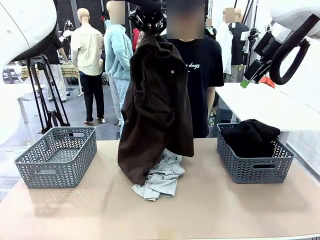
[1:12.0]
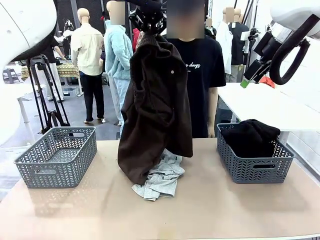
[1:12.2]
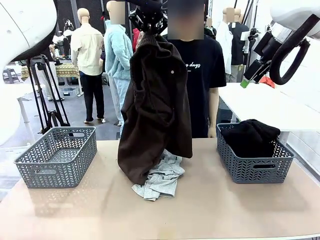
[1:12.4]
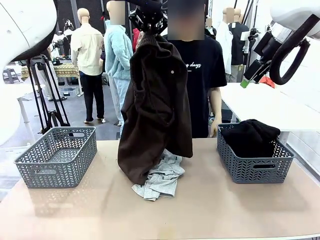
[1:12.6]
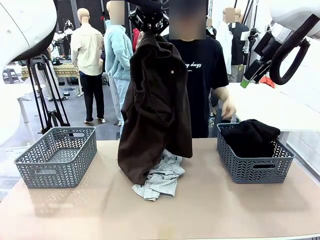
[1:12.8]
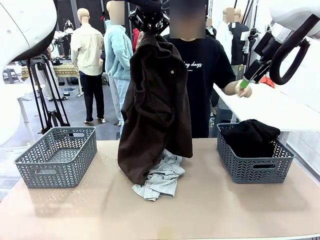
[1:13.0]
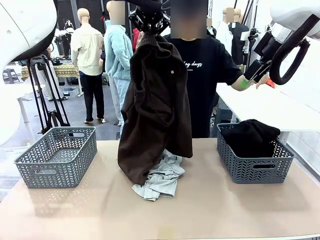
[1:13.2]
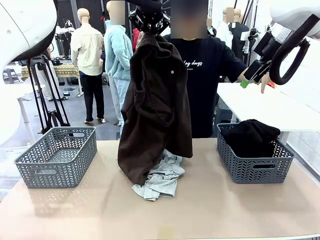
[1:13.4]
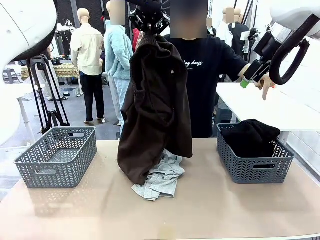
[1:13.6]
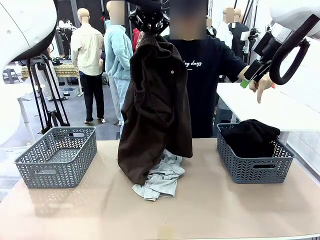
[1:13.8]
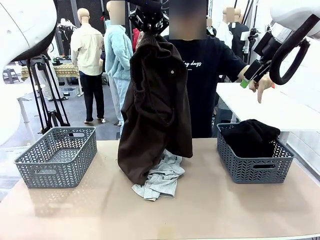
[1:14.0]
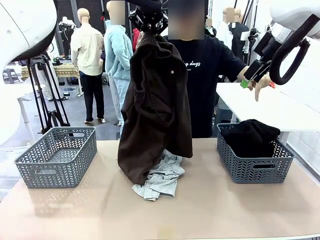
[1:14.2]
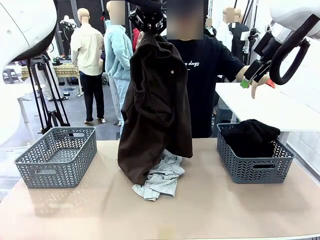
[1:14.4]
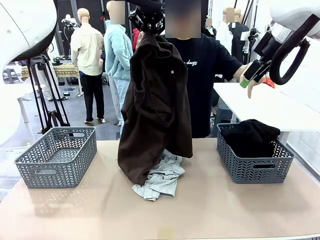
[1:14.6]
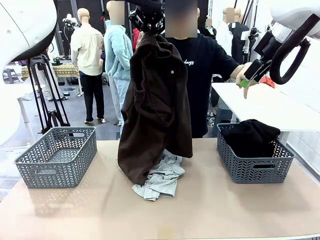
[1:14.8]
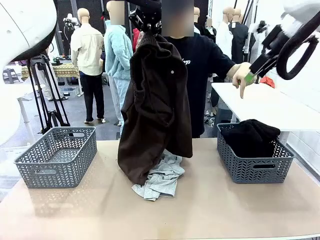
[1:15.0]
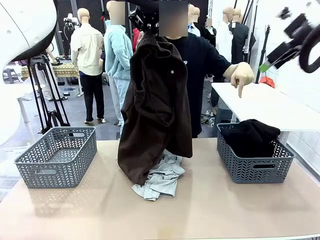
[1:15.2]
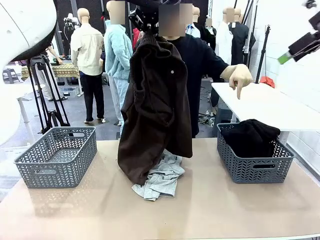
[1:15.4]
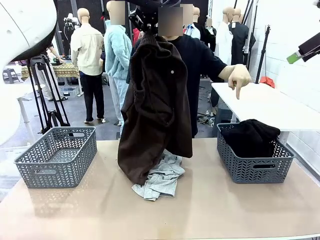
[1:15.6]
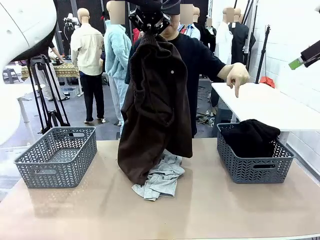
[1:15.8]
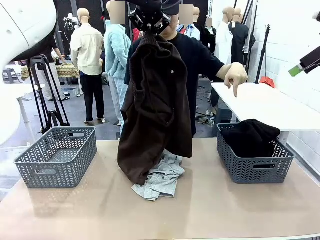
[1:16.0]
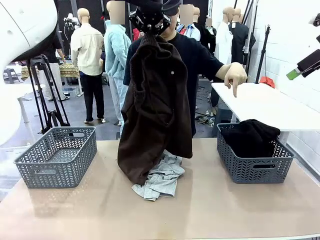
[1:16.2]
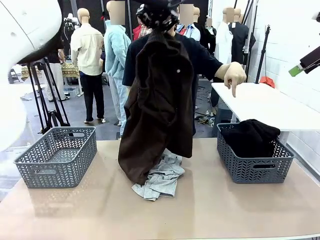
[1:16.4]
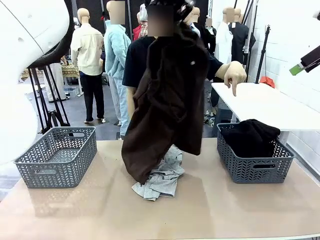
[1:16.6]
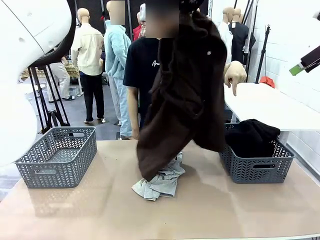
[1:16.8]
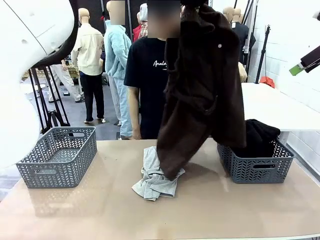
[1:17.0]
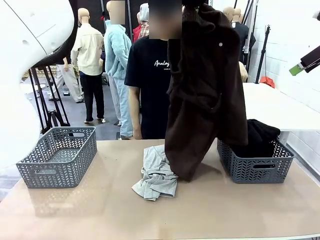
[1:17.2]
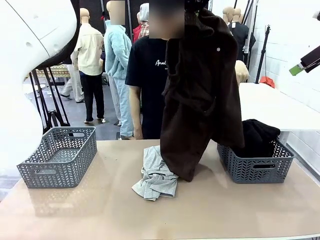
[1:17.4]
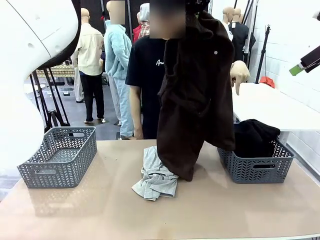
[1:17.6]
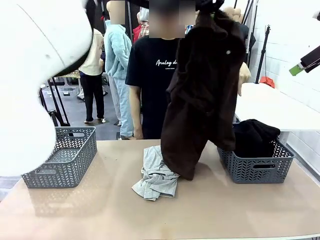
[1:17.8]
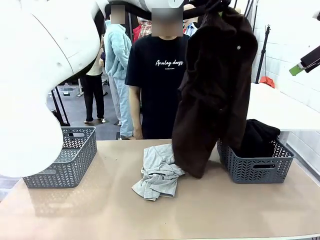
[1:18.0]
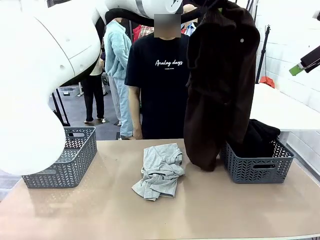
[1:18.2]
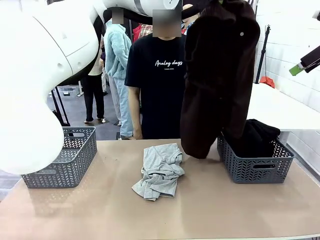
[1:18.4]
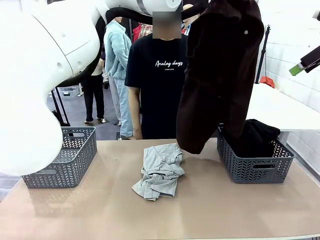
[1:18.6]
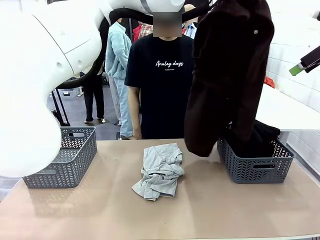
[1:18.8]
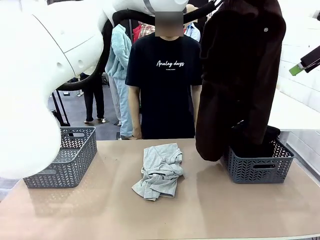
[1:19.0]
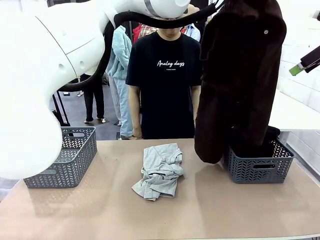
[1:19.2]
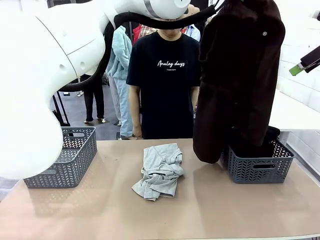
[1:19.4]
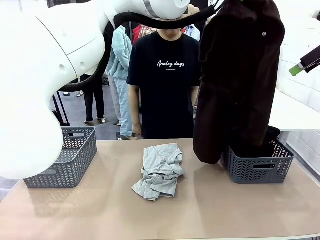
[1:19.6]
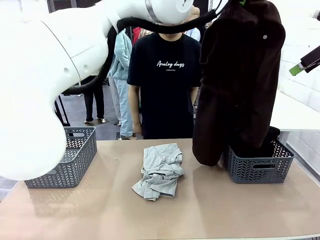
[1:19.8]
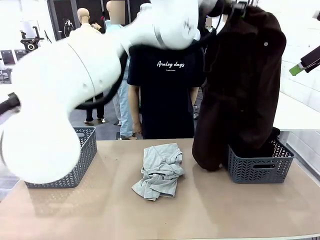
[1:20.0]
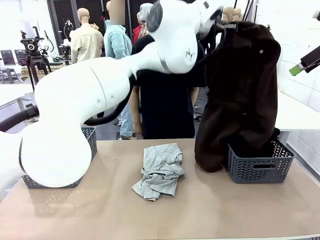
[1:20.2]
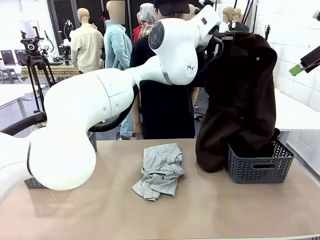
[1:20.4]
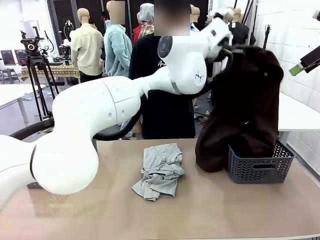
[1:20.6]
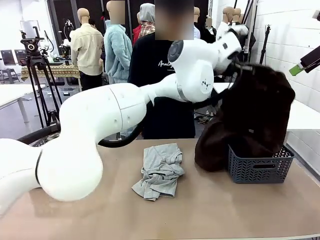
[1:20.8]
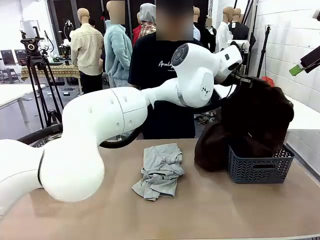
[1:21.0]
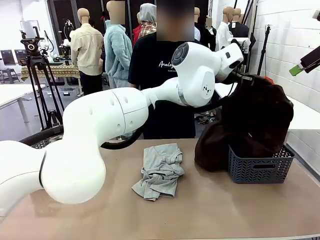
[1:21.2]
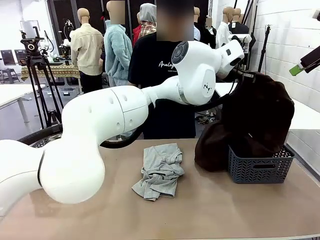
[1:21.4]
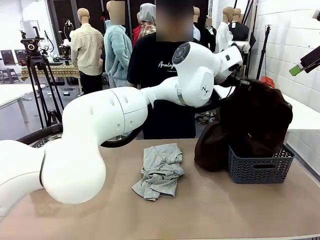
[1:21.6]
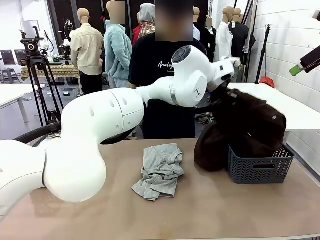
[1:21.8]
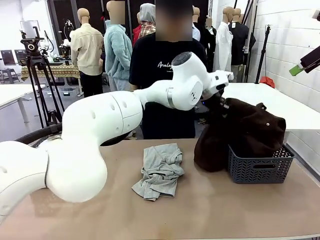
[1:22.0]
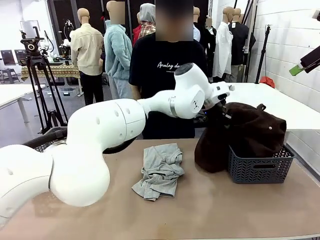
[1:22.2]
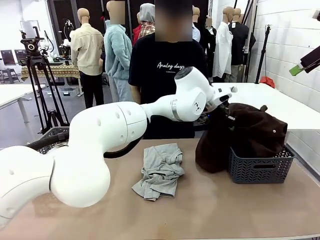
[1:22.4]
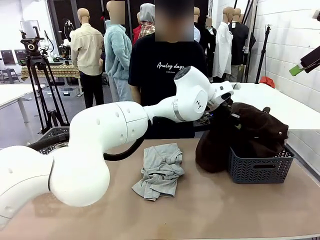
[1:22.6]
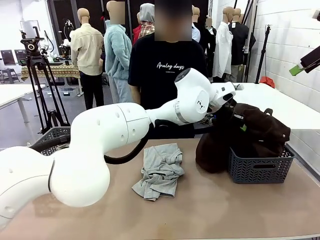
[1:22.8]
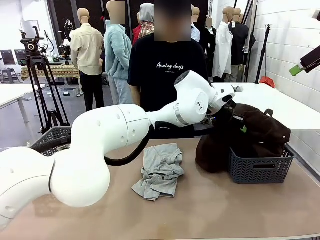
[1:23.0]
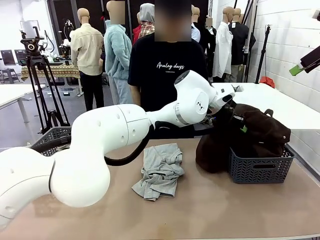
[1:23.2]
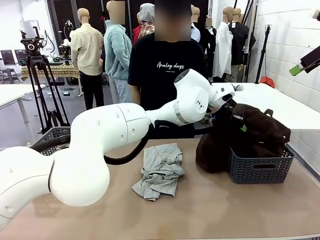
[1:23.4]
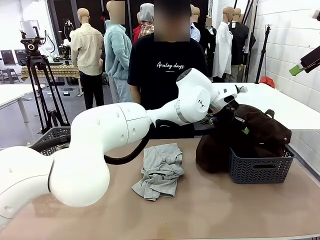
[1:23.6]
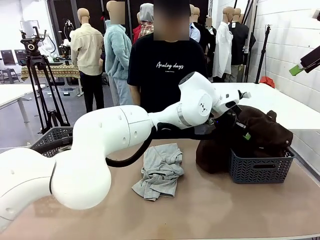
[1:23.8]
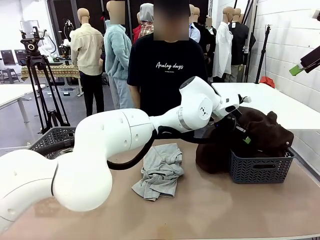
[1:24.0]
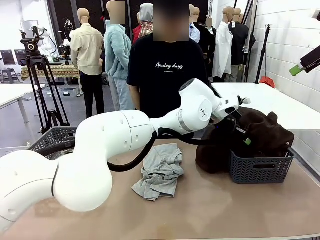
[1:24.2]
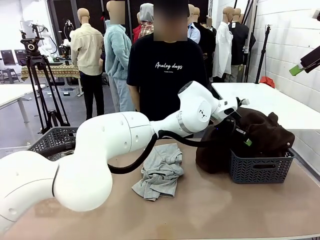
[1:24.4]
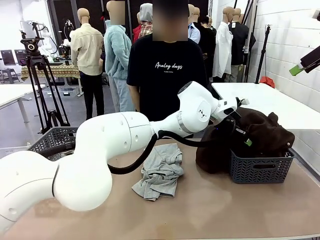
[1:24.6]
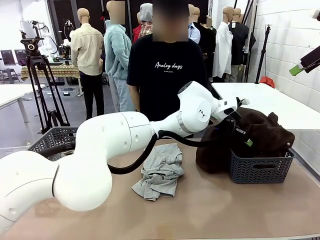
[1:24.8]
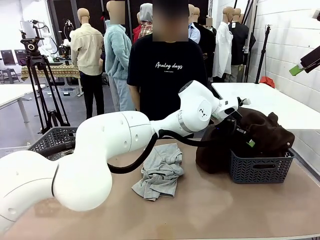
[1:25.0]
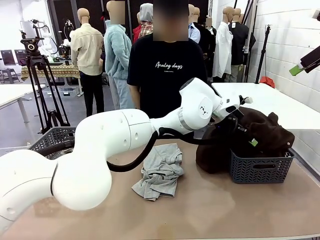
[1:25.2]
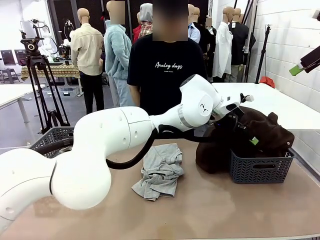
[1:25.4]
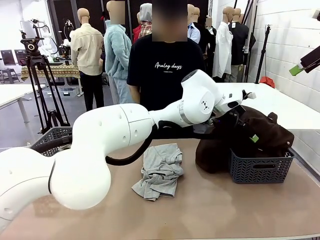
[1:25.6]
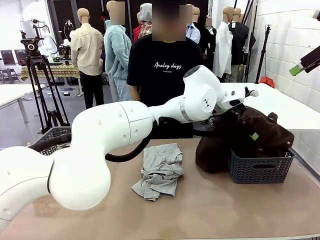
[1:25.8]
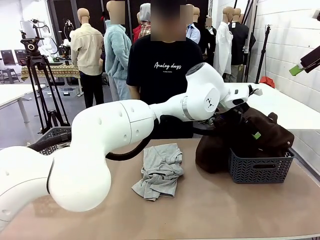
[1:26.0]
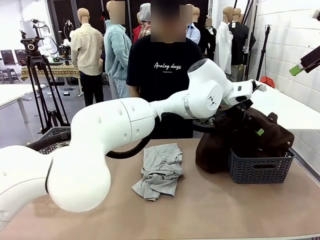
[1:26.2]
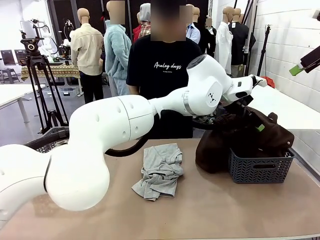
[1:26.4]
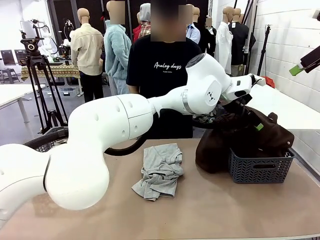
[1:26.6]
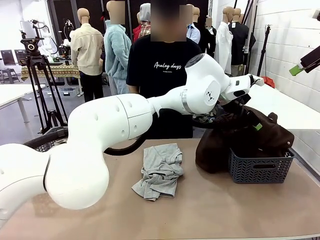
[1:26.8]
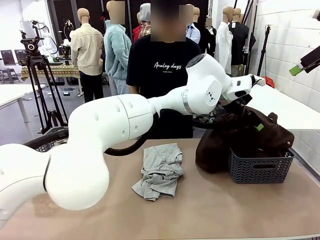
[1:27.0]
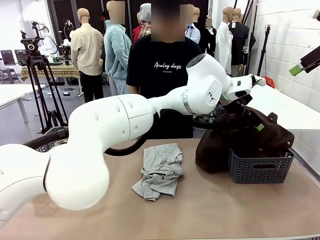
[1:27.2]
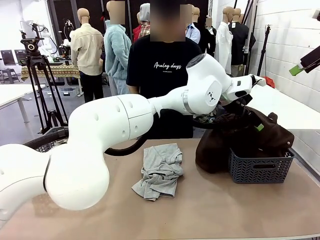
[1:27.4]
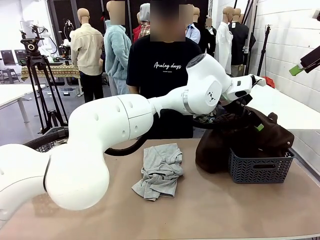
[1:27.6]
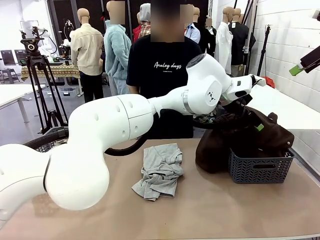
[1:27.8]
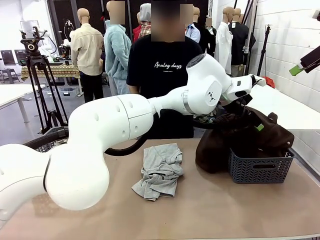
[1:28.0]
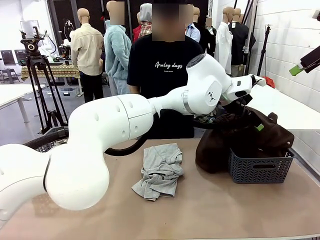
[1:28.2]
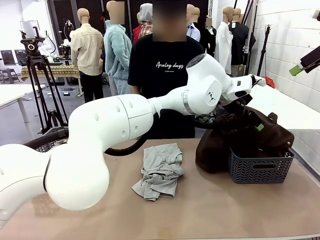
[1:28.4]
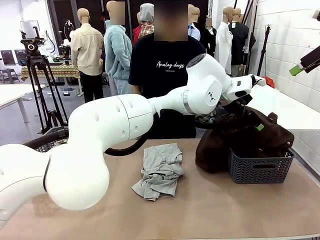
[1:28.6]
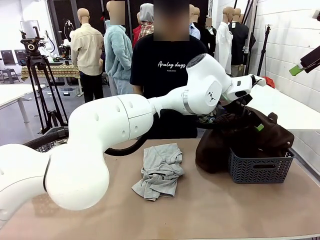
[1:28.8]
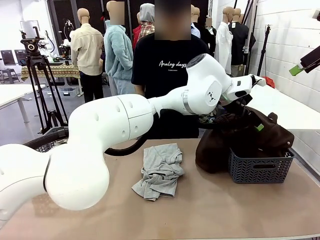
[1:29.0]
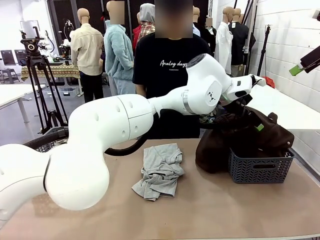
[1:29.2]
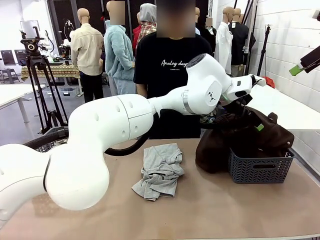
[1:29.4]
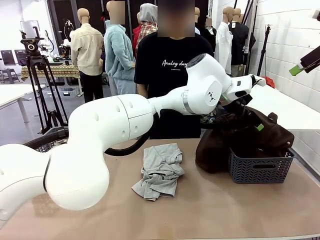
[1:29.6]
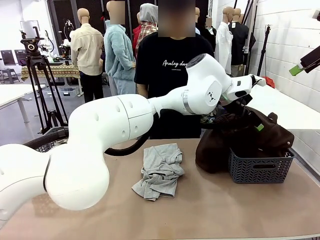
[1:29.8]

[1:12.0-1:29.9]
Task: Sort the tops and bottoms.
Robot: Sort the clothes according to human instructions.
